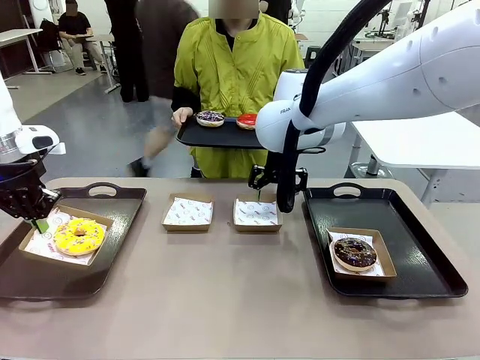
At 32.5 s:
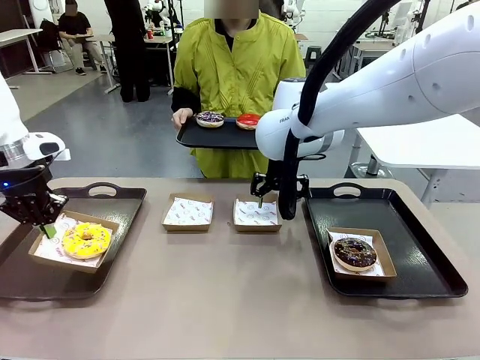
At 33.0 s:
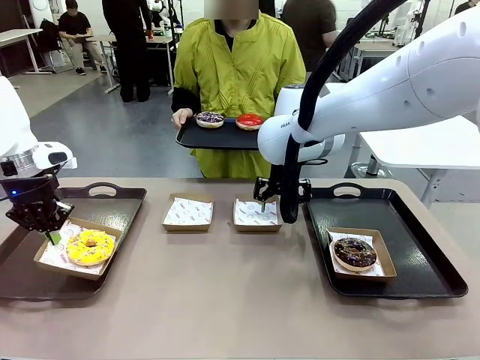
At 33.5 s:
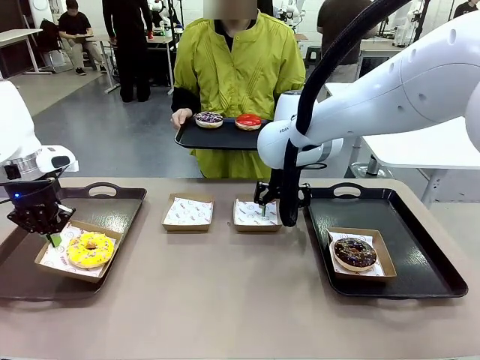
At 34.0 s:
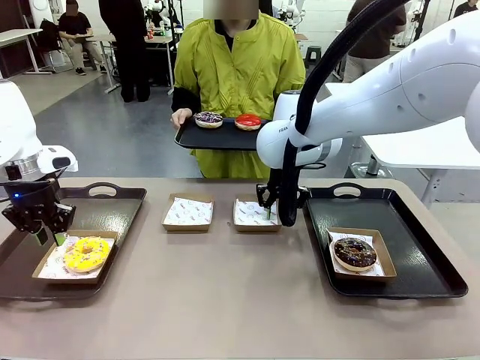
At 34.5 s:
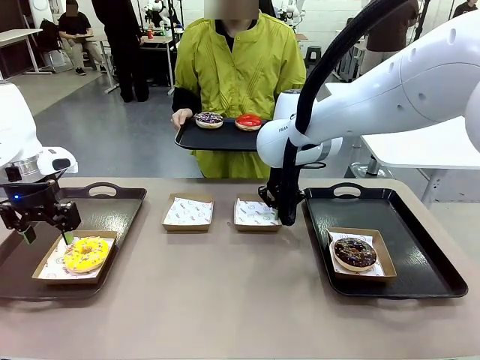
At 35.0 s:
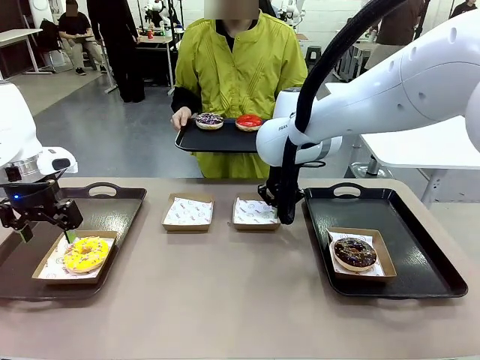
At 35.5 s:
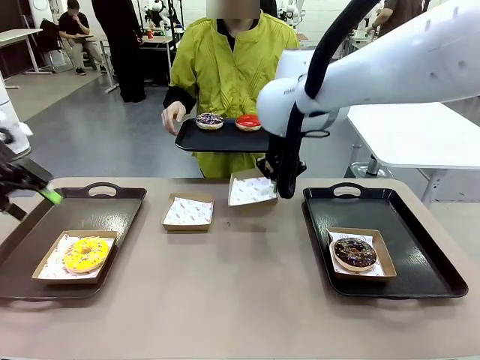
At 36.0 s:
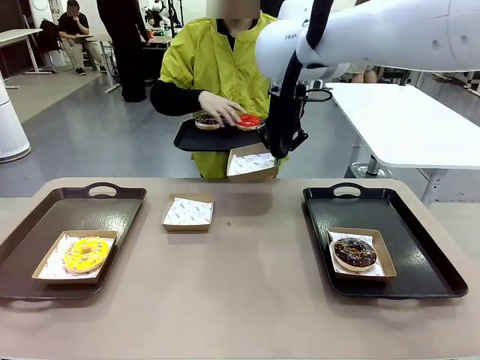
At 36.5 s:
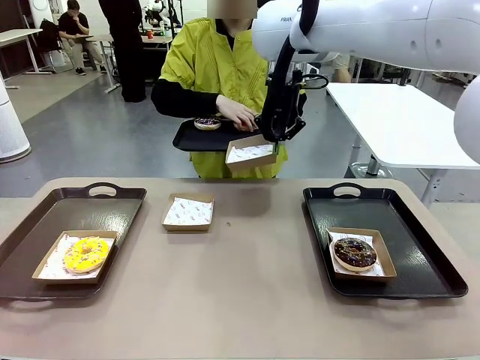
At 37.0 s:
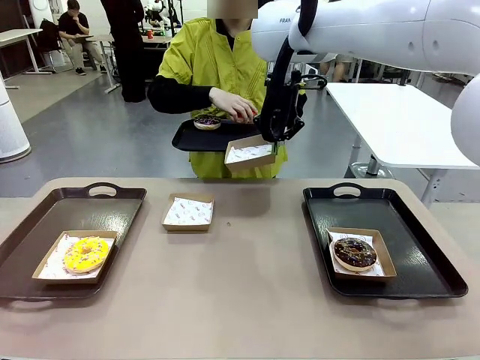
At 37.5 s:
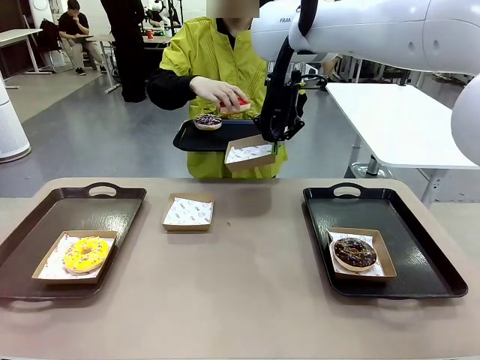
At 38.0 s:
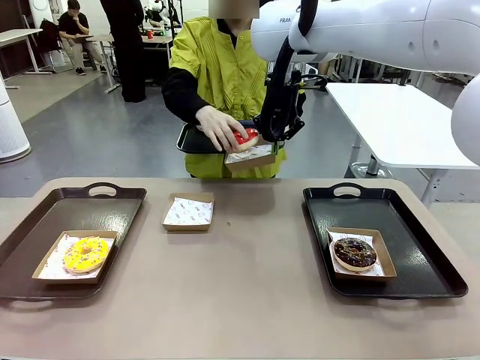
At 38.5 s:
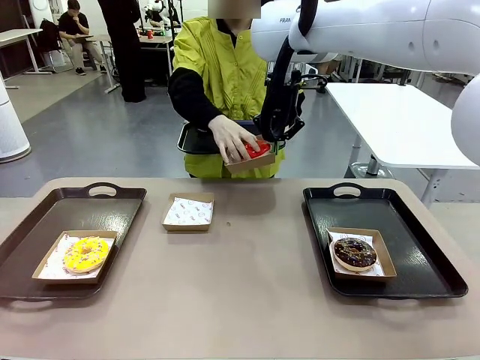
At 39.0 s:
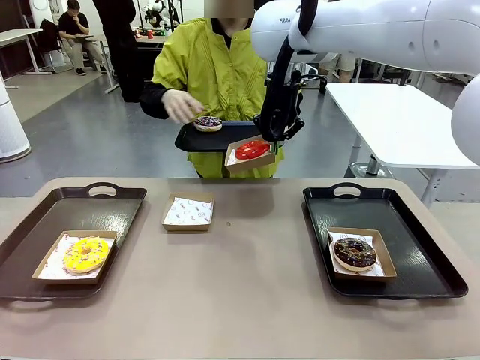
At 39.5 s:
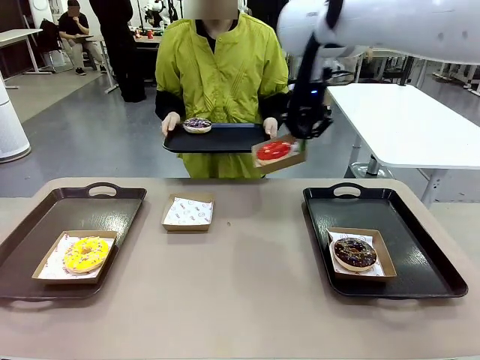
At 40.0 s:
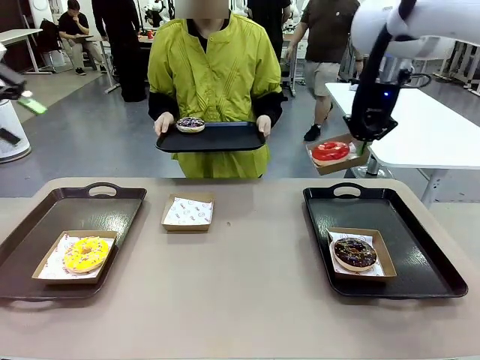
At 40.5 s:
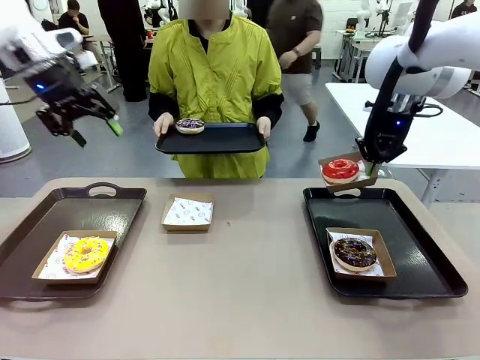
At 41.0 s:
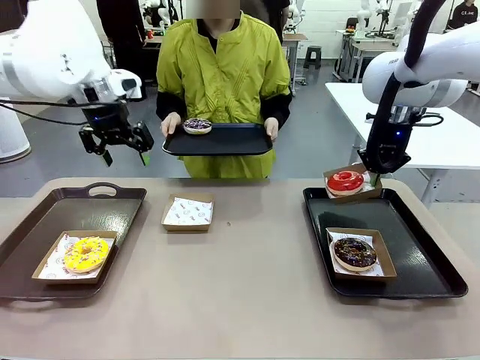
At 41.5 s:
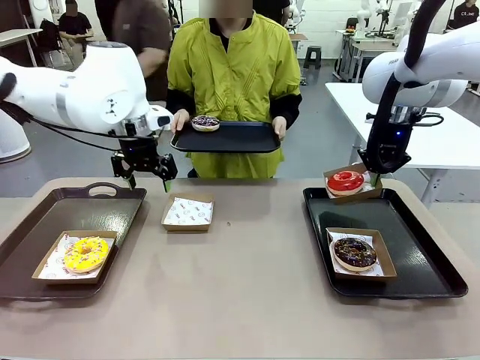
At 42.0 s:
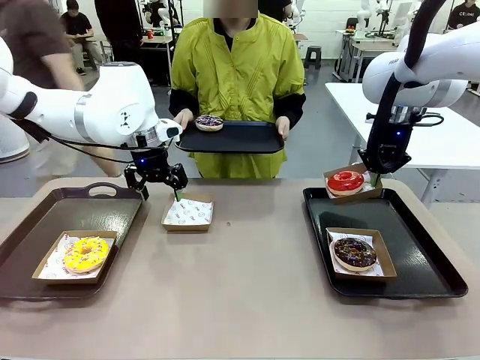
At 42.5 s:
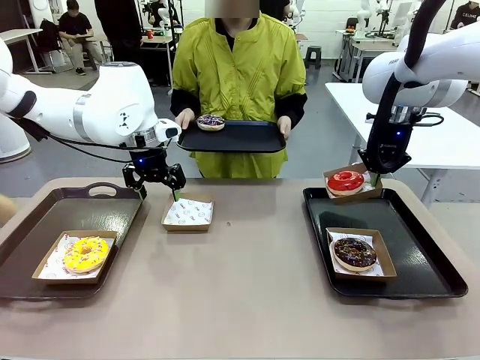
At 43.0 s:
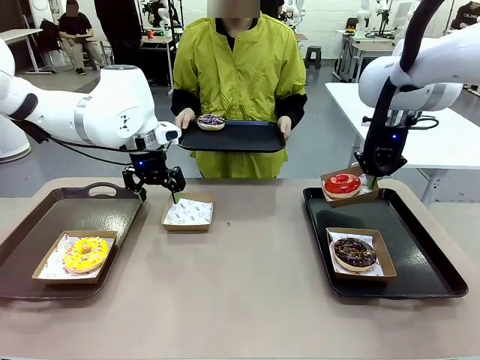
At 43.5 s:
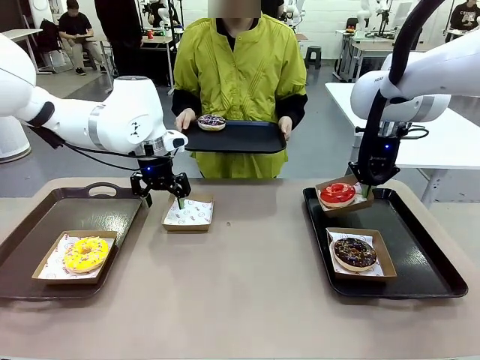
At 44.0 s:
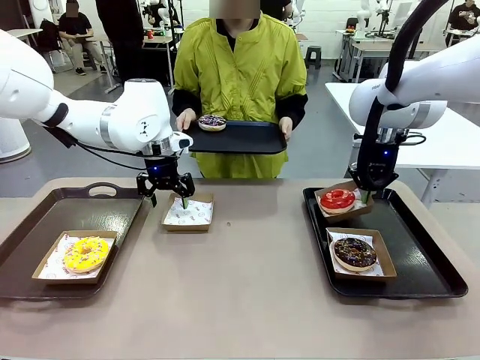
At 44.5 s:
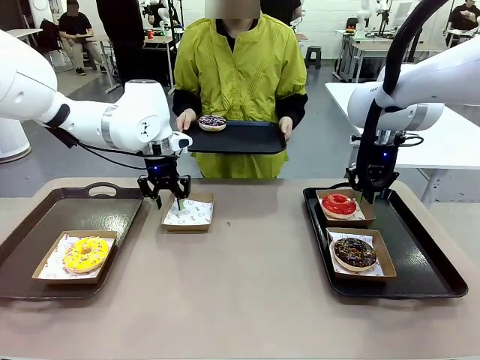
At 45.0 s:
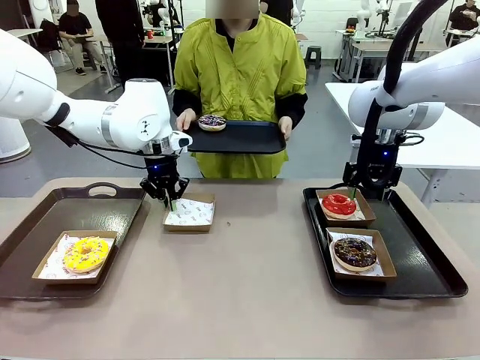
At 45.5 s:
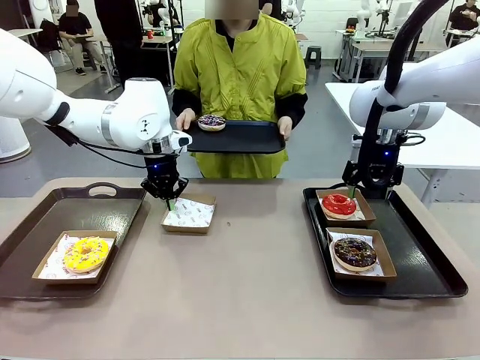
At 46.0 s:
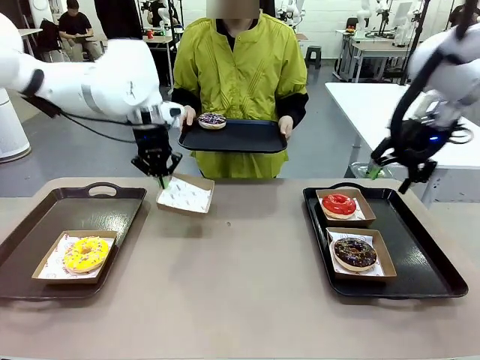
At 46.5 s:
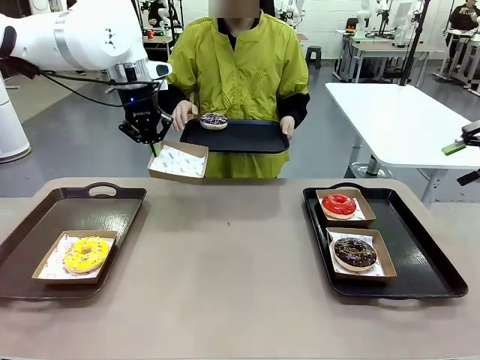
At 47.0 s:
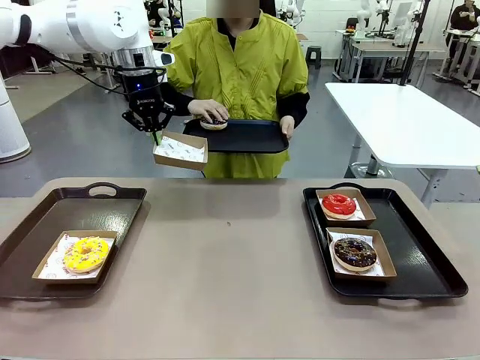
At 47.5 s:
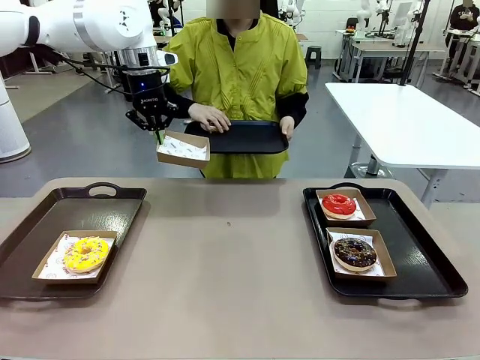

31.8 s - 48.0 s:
Task: Individually package the donuts and arrange them on the tray.
Robot: Place the picked Paper togo box on the Handle tray while simultaneously picking up another Paper togo box from the table with the other hand.

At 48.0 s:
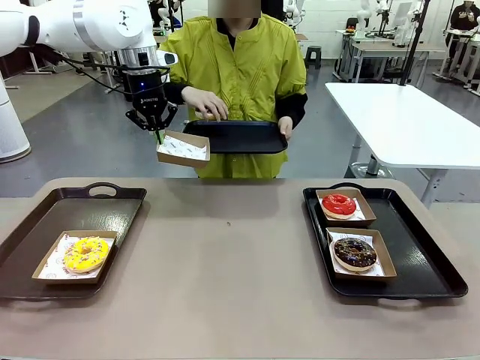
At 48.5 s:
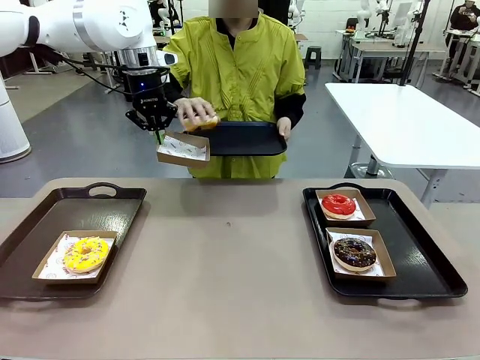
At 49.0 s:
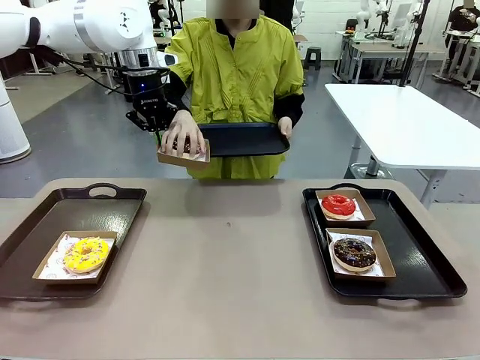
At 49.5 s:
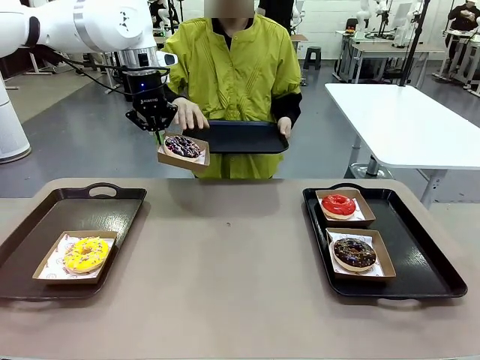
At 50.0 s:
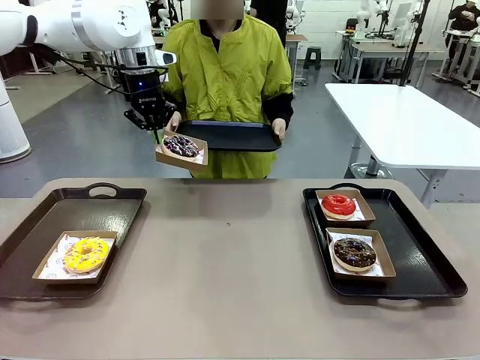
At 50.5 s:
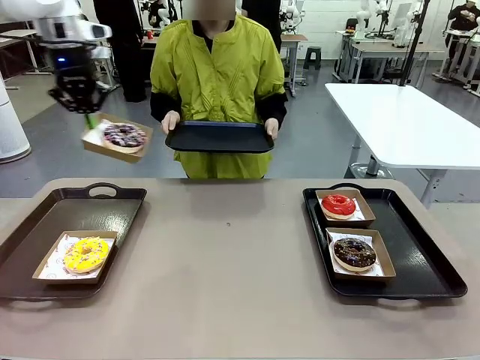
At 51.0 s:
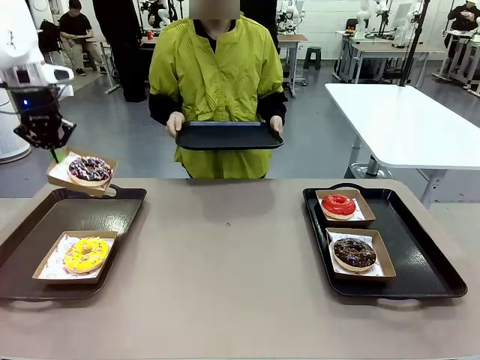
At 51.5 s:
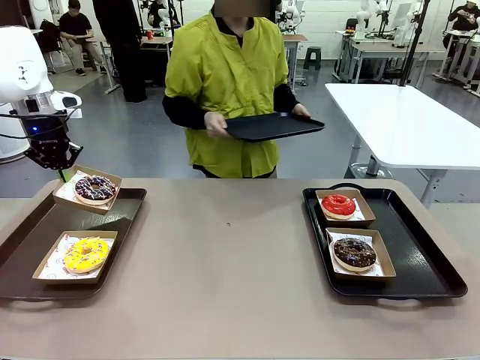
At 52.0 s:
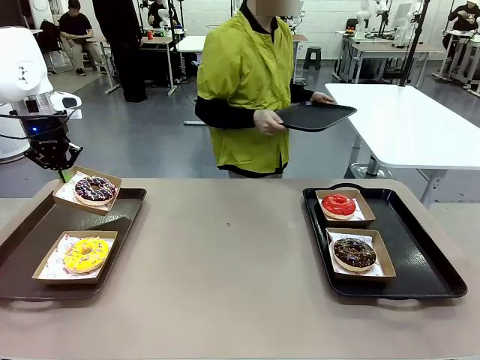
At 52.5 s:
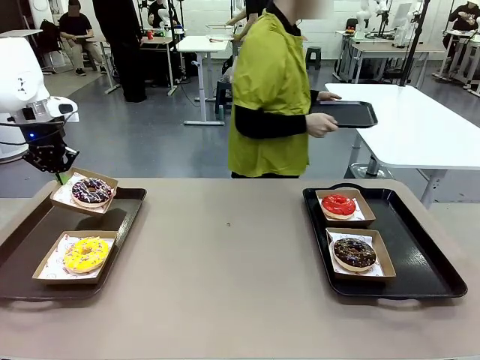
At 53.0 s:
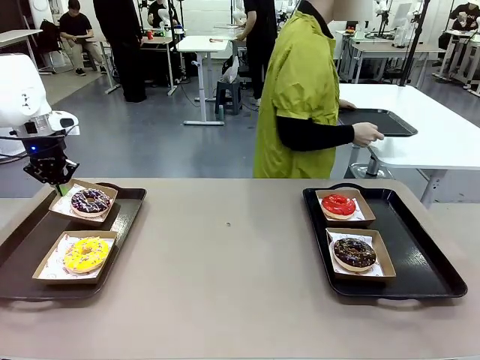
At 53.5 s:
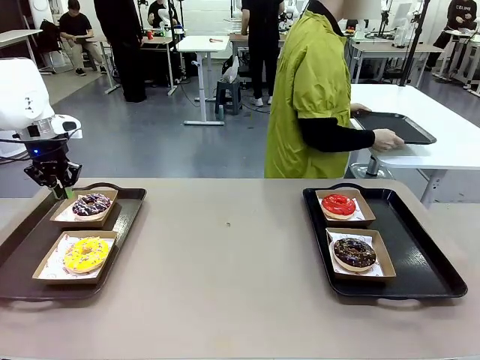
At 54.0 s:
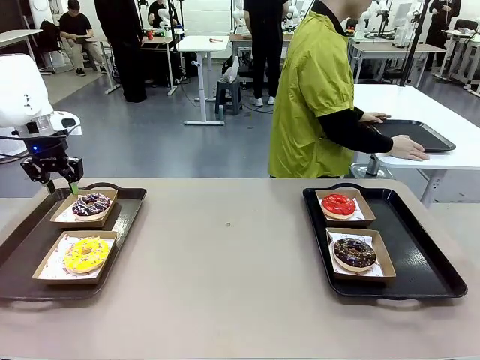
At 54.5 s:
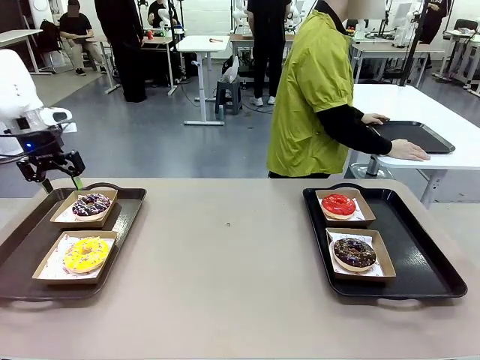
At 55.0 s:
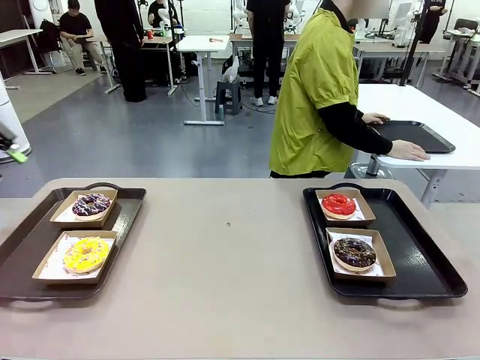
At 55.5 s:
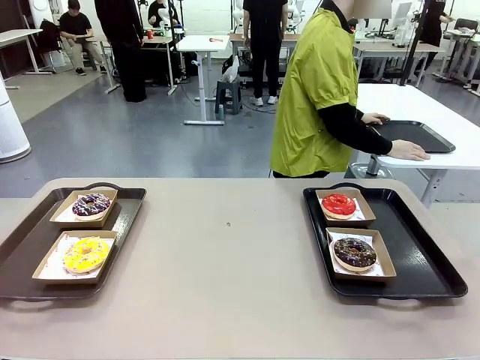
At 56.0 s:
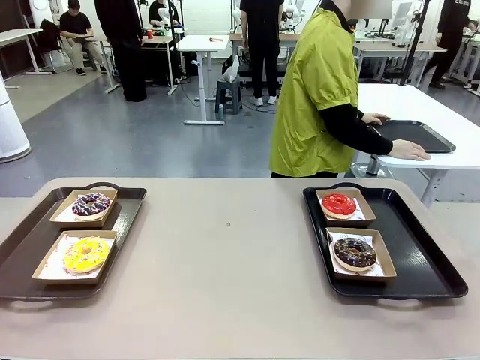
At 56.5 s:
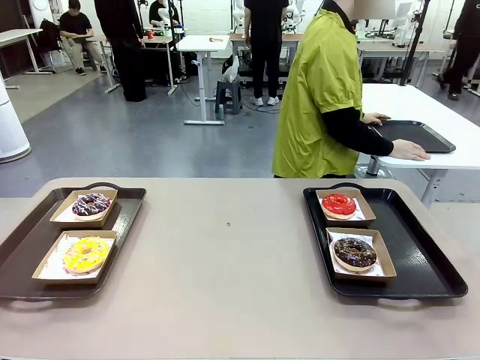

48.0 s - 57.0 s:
Robot: Place the picked Paper togo box on the Handle tray.
Person: Place the tray down in the middle of the human table.
